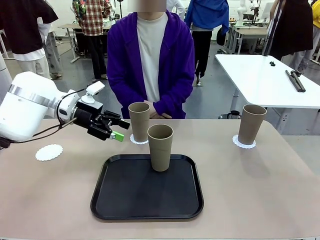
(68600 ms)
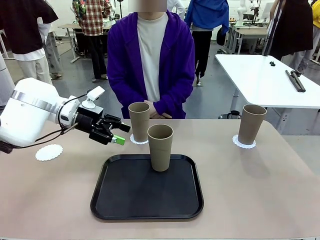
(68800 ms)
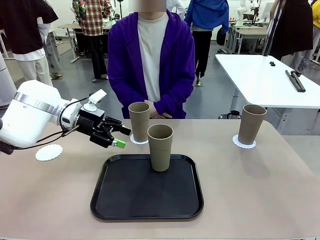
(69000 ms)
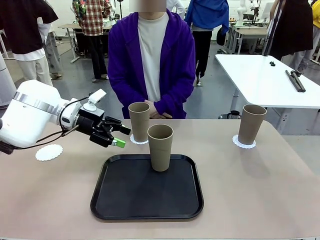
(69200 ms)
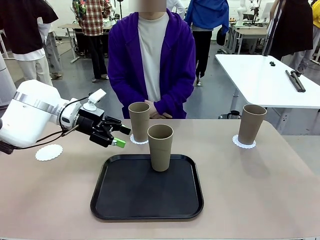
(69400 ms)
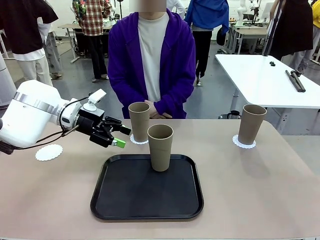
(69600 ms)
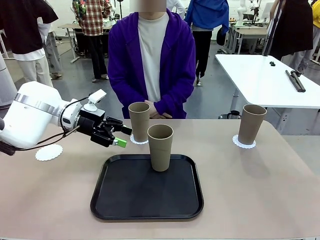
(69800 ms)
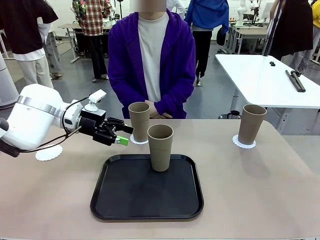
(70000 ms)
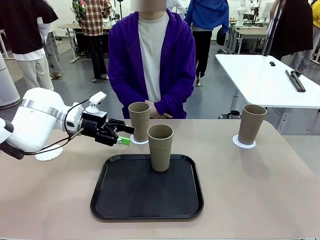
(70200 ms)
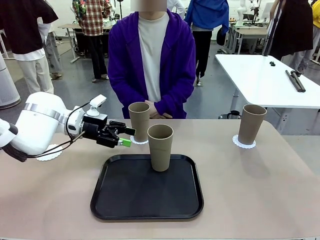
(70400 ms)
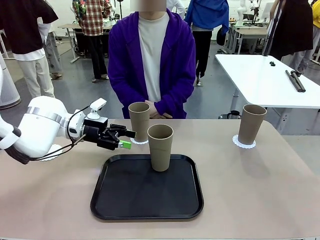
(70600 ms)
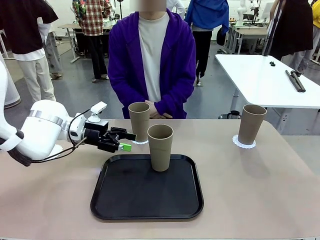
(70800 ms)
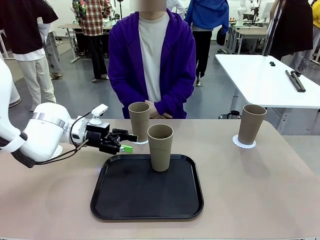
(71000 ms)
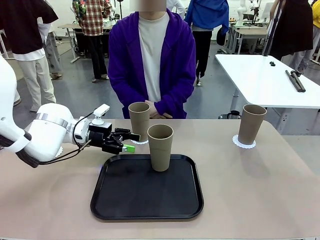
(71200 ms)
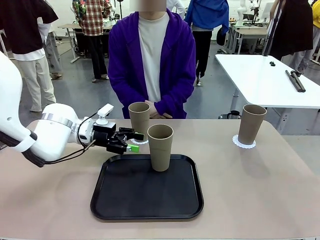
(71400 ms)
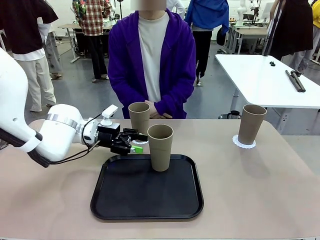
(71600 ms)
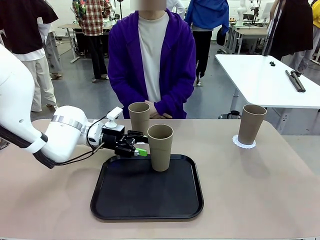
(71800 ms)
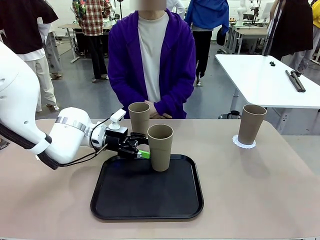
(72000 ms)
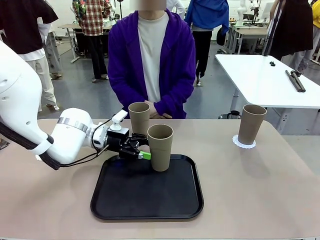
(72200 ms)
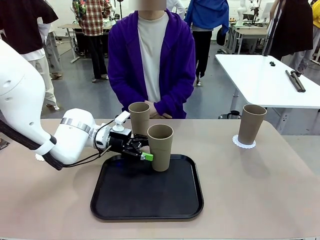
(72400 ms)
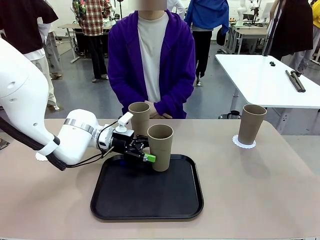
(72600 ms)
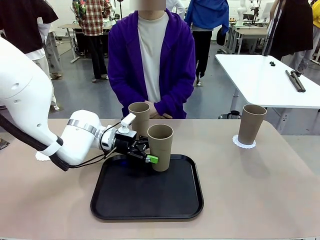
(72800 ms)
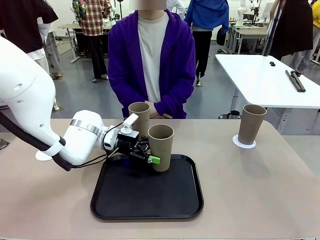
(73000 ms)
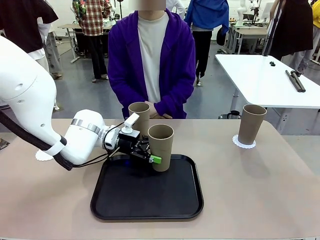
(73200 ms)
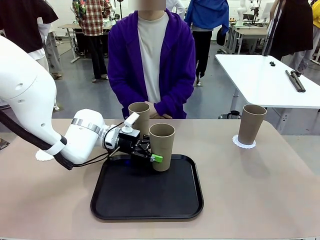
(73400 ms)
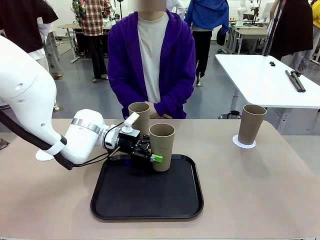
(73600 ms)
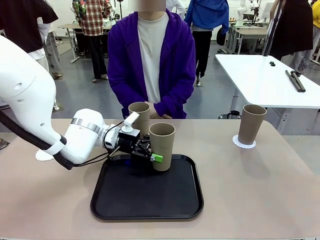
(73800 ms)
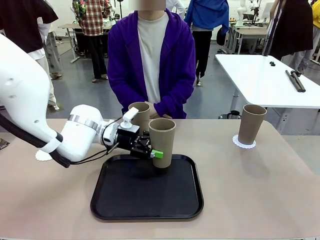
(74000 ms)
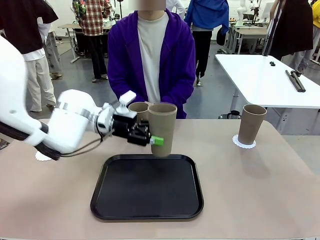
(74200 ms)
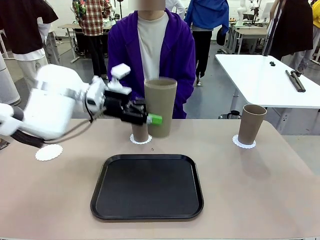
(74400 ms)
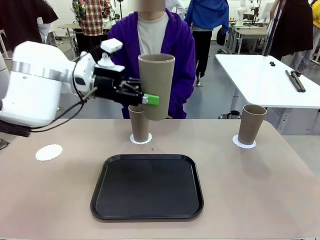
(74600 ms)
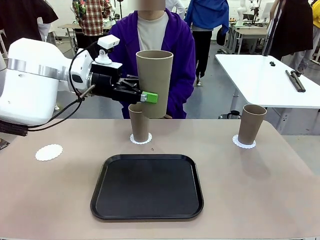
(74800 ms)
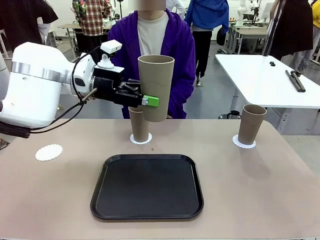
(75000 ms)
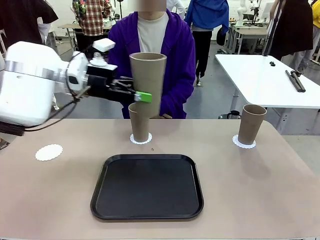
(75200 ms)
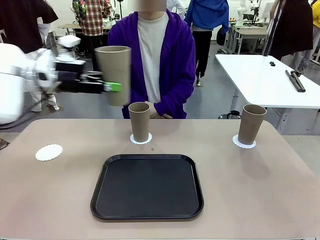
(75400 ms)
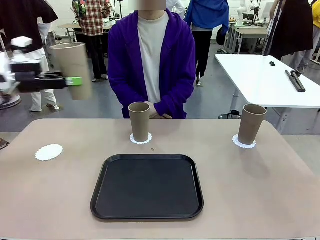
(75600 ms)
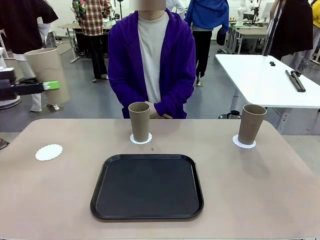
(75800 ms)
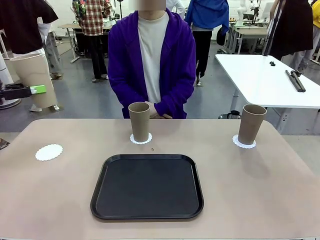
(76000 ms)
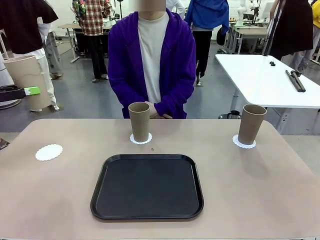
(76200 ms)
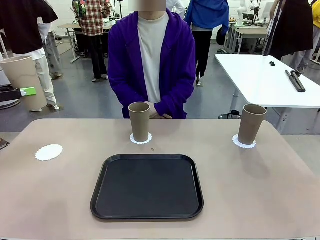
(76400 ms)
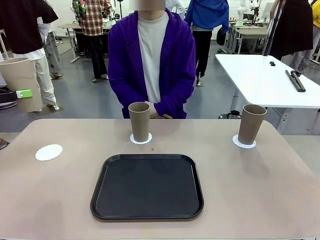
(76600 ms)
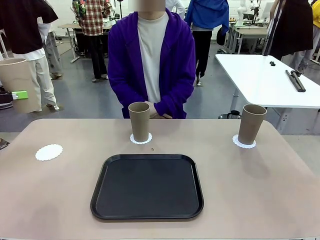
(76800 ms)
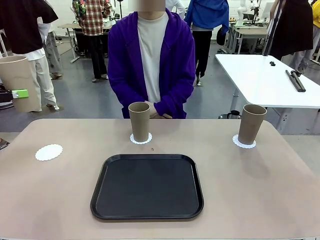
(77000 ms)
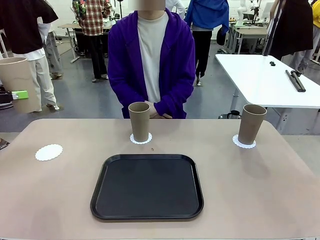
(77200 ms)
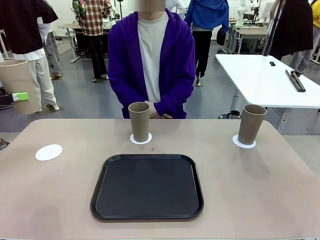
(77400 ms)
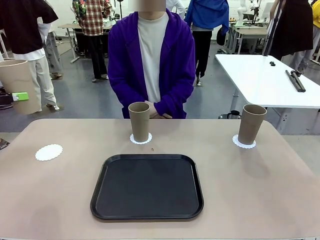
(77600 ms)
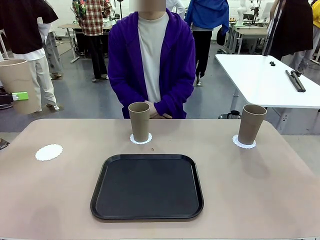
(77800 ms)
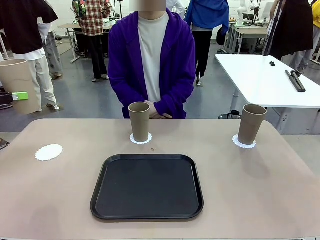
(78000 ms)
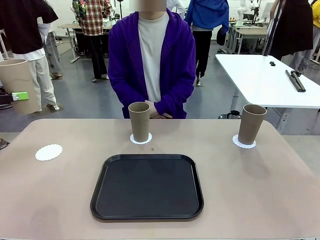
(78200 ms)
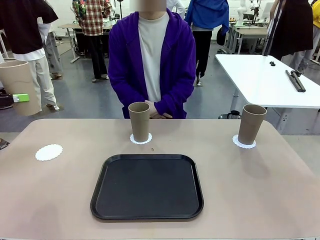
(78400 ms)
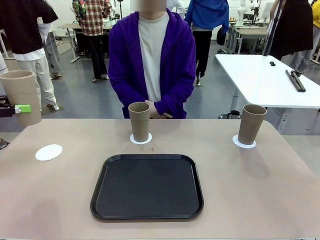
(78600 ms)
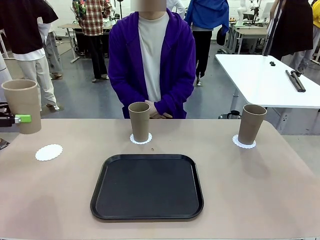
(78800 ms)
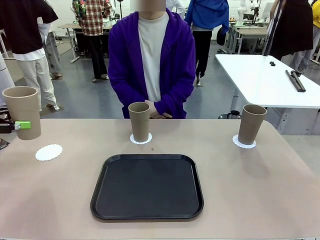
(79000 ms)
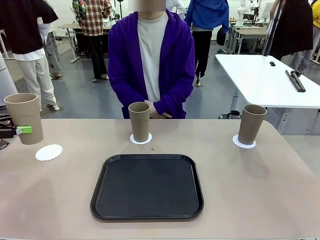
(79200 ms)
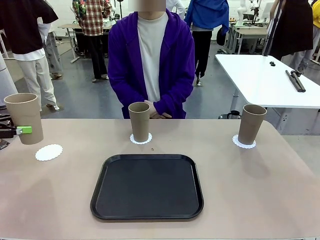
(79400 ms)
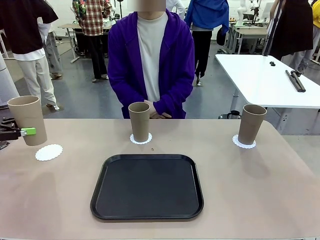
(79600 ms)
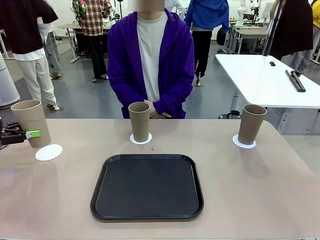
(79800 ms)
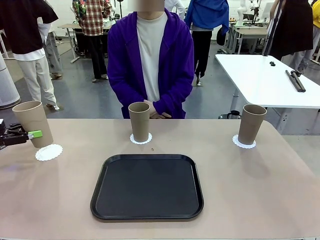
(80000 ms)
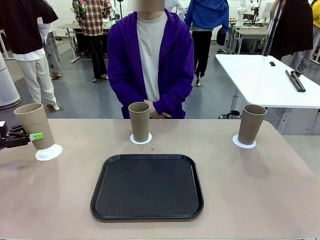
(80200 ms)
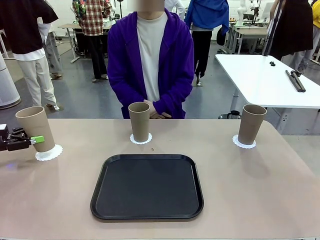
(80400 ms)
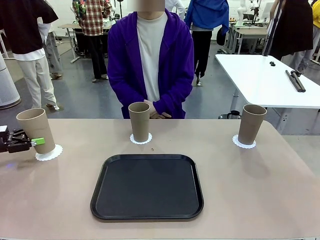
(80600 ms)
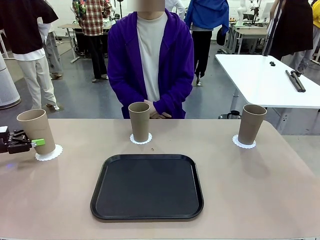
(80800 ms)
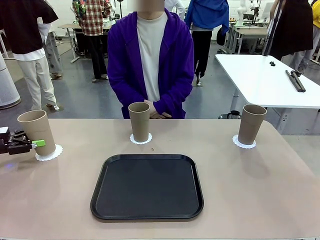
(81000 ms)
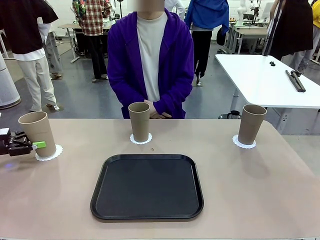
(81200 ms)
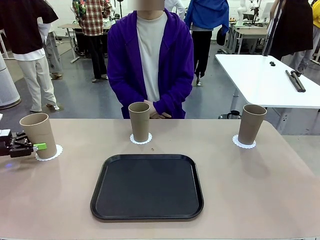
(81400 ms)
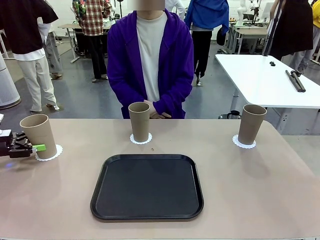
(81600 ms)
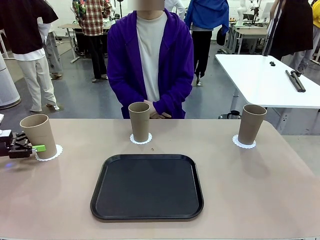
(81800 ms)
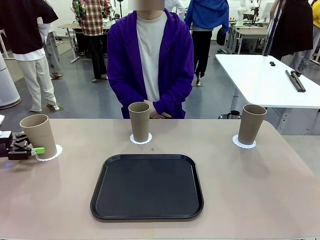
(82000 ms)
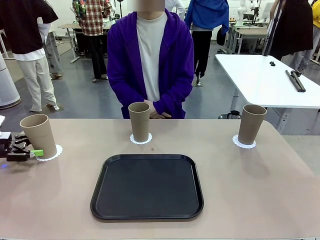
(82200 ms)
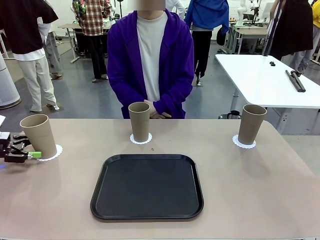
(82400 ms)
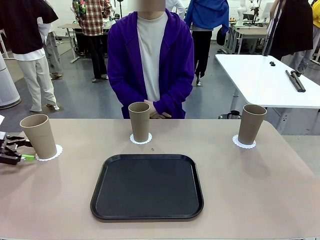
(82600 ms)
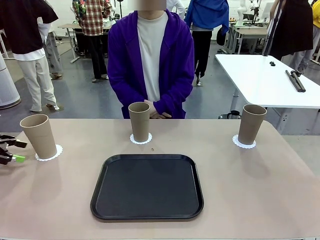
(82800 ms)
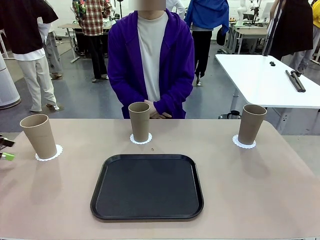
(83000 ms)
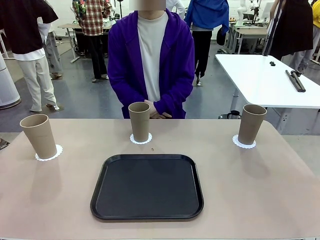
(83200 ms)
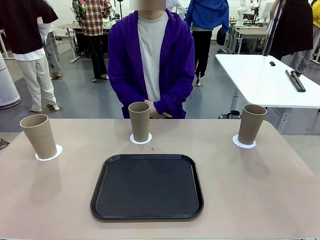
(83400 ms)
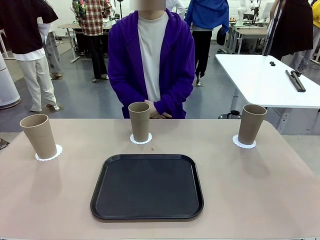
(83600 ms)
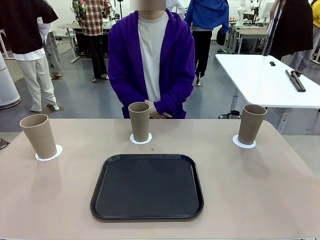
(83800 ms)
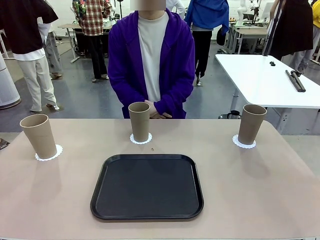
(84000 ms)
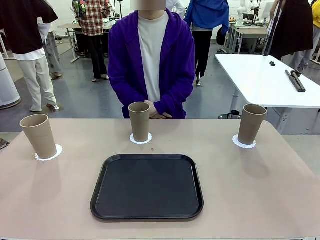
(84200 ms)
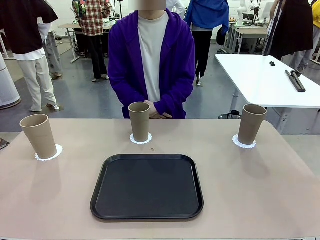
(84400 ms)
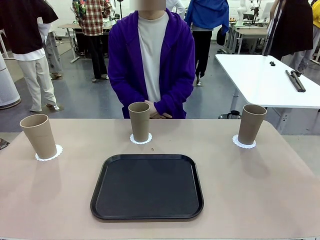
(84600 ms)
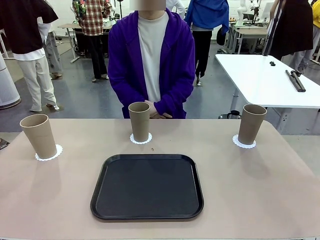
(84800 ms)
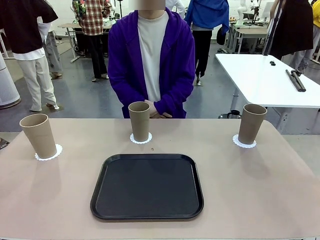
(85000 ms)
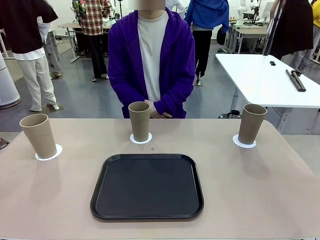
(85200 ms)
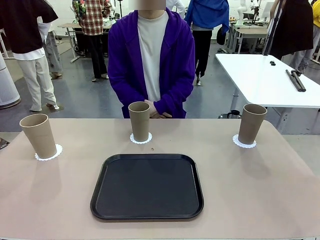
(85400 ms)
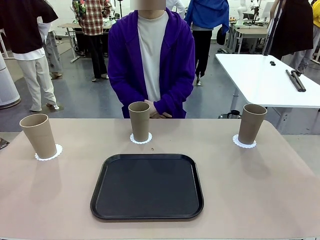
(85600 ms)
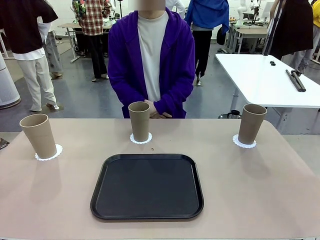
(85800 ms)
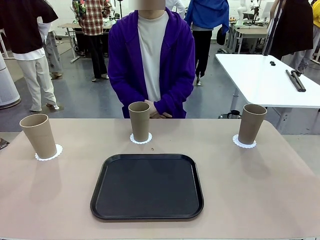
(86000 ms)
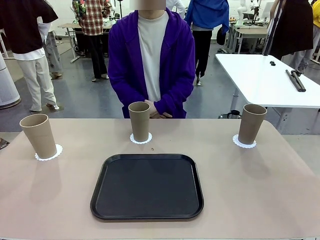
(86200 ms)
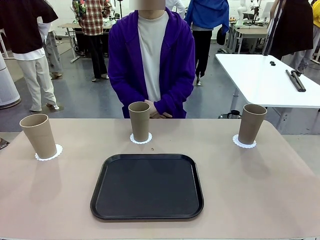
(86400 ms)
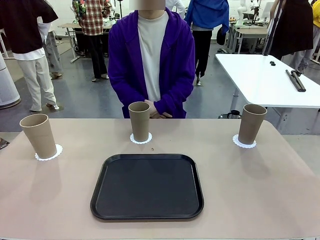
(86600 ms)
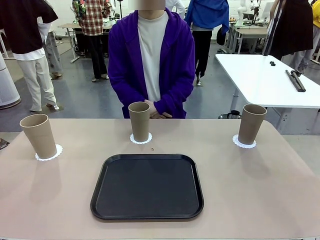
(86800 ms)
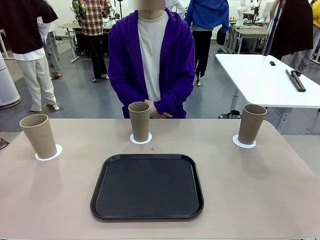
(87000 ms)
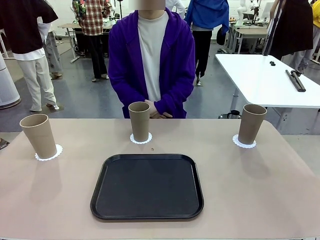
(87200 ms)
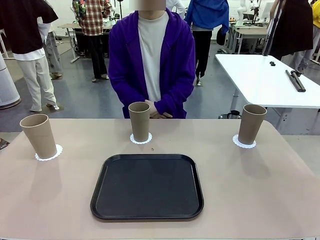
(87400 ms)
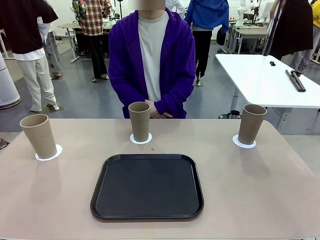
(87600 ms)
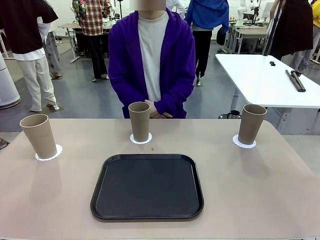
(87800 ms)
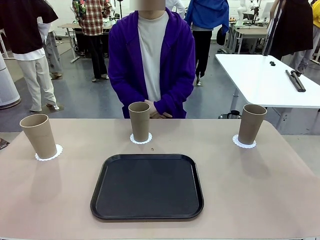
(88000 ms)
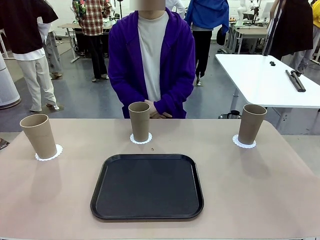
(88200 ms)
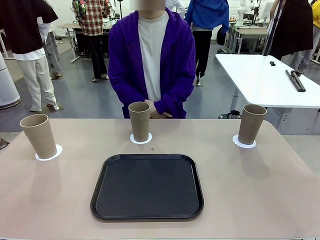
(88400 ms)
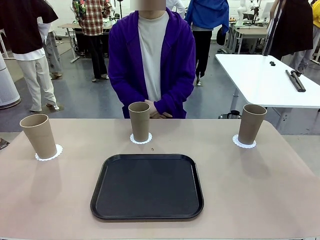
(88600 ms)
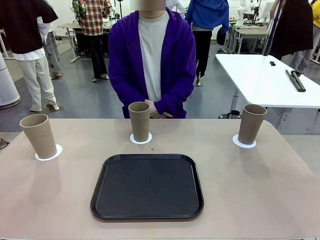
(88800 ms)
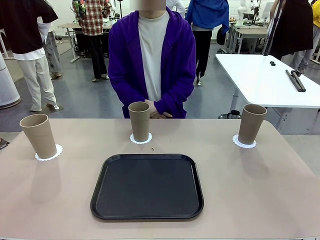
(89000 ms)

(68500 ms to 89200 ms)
Task: Place coasters on the table and set cups on them.
Robot: Take one Reusable plastic cup from the Flat Tray and place it on a coaster set by the human.
